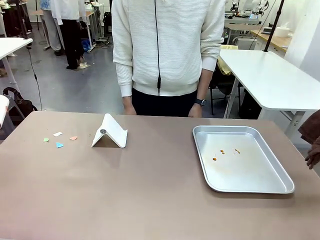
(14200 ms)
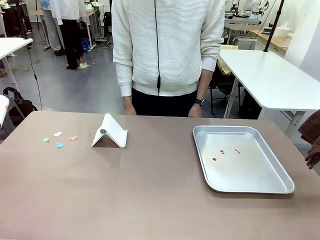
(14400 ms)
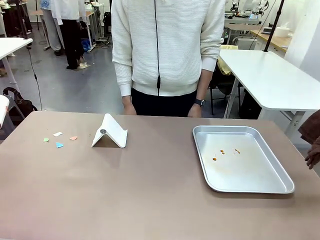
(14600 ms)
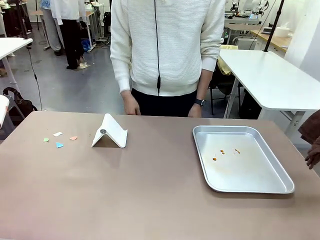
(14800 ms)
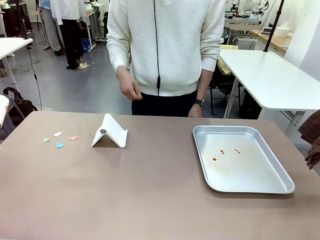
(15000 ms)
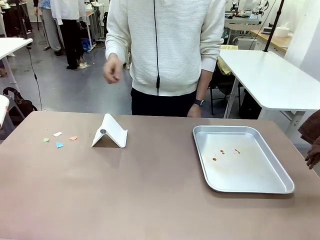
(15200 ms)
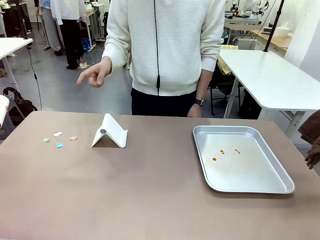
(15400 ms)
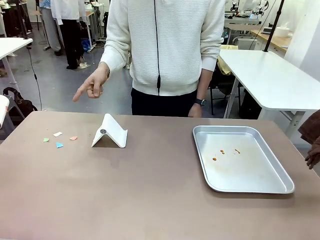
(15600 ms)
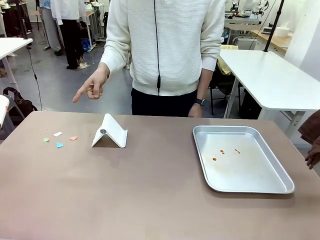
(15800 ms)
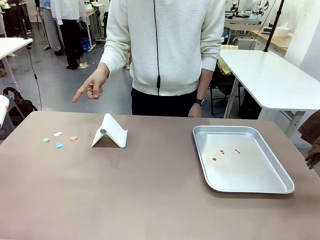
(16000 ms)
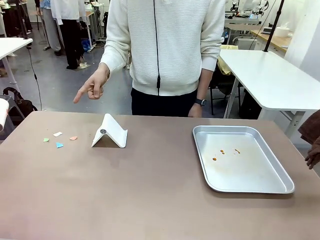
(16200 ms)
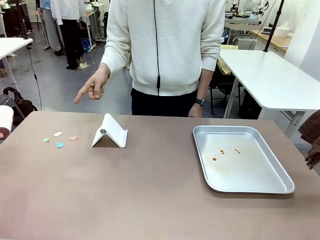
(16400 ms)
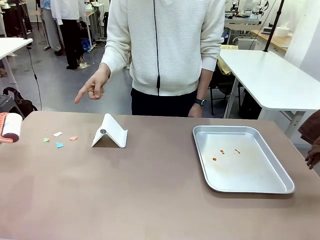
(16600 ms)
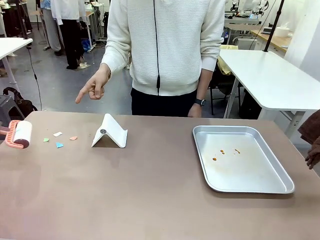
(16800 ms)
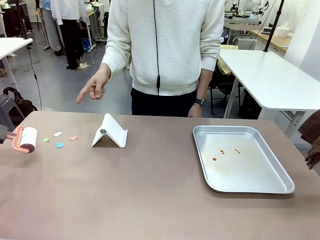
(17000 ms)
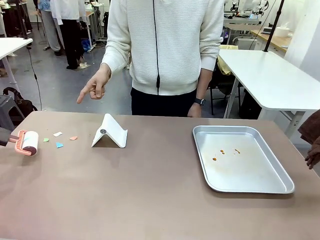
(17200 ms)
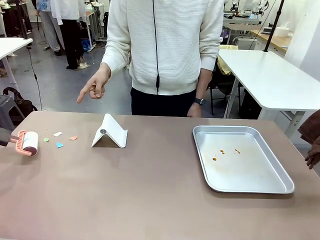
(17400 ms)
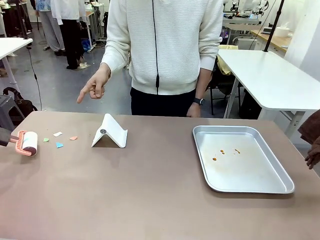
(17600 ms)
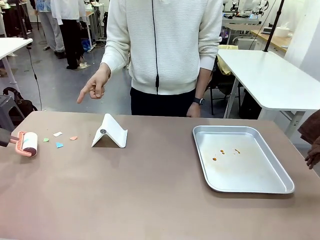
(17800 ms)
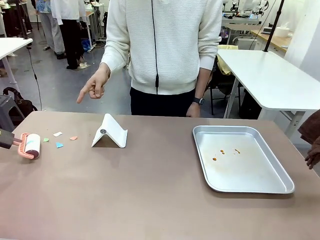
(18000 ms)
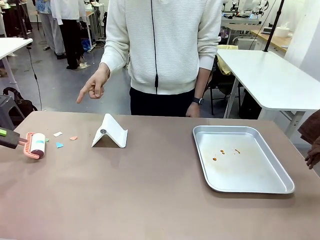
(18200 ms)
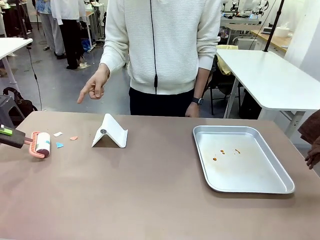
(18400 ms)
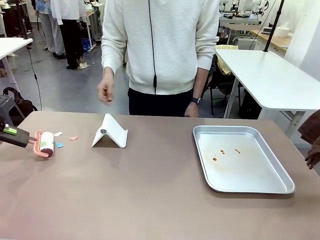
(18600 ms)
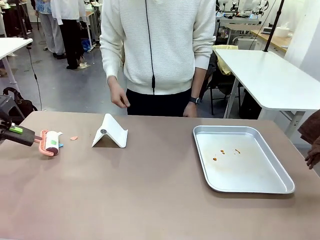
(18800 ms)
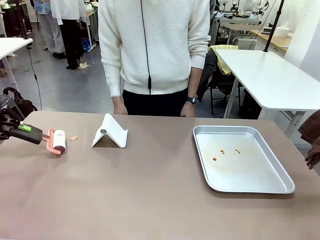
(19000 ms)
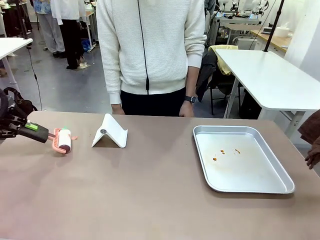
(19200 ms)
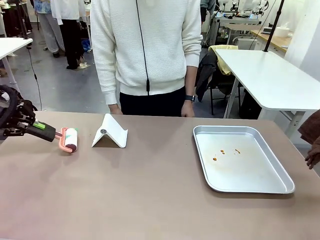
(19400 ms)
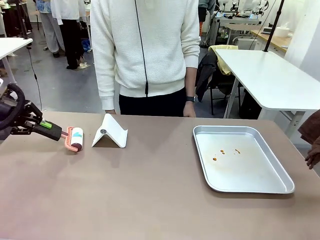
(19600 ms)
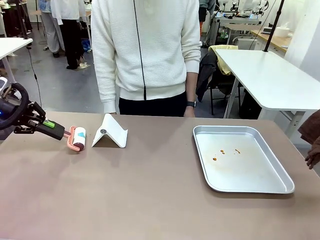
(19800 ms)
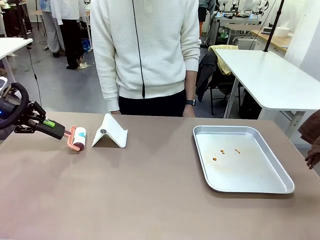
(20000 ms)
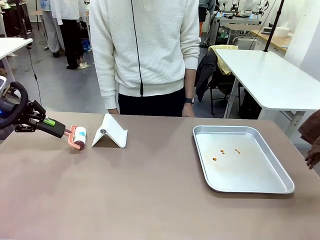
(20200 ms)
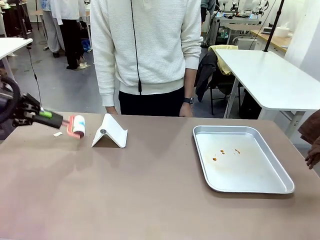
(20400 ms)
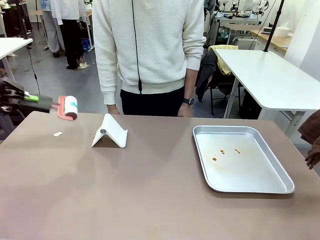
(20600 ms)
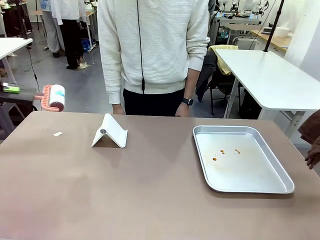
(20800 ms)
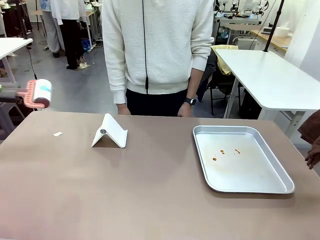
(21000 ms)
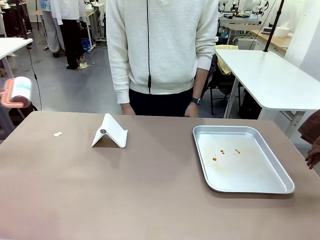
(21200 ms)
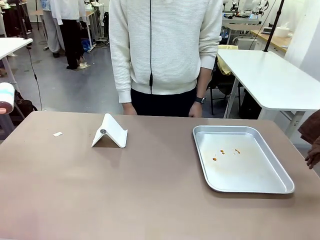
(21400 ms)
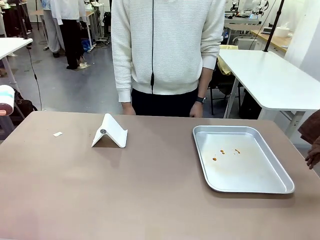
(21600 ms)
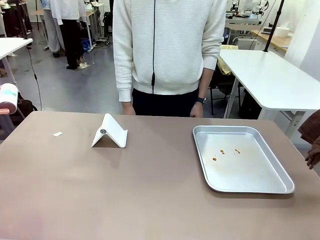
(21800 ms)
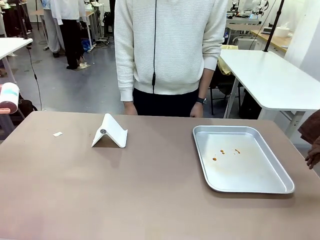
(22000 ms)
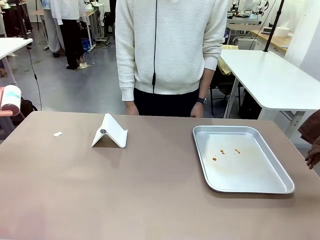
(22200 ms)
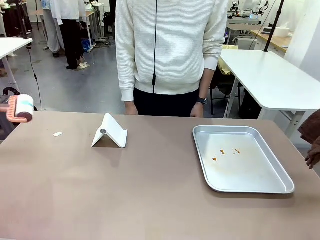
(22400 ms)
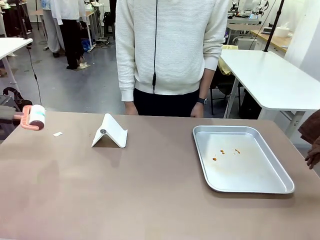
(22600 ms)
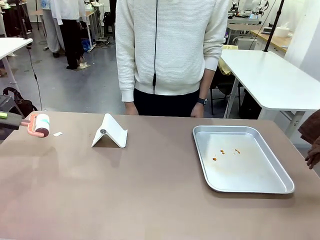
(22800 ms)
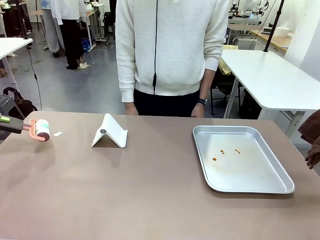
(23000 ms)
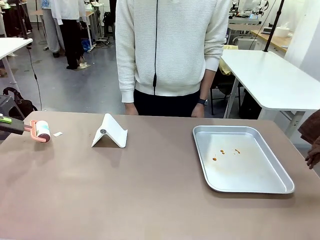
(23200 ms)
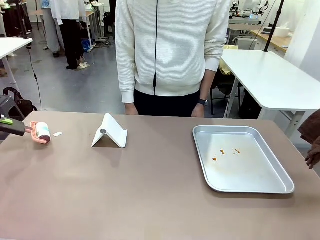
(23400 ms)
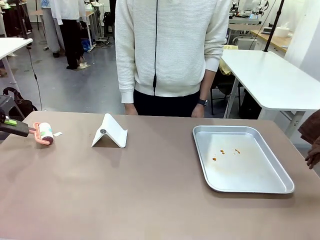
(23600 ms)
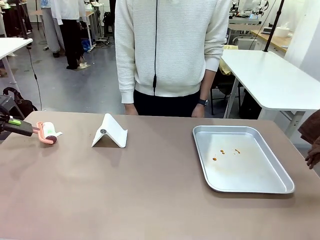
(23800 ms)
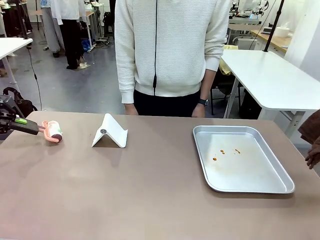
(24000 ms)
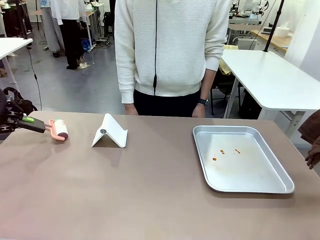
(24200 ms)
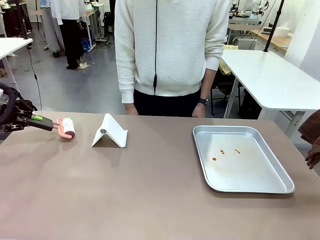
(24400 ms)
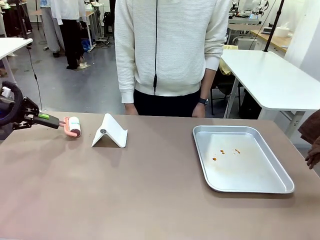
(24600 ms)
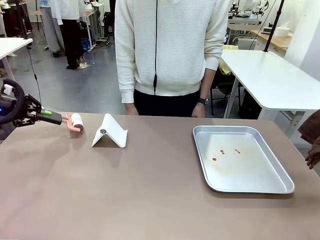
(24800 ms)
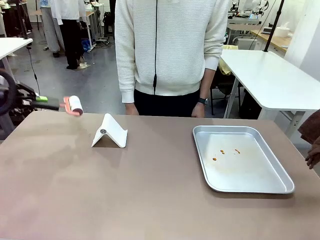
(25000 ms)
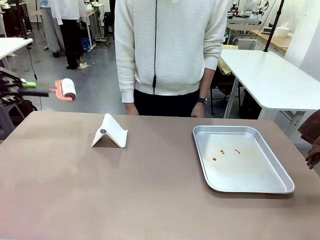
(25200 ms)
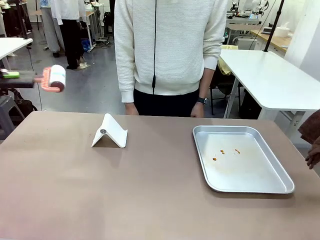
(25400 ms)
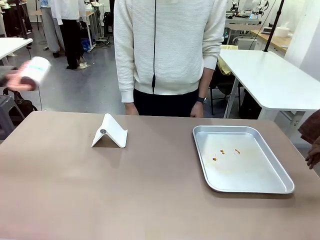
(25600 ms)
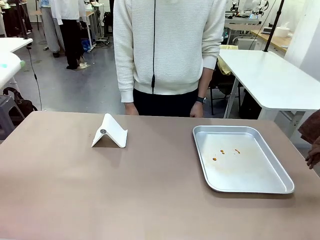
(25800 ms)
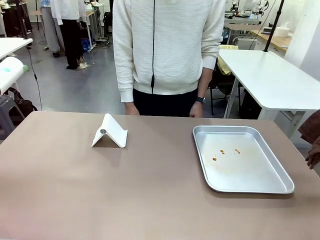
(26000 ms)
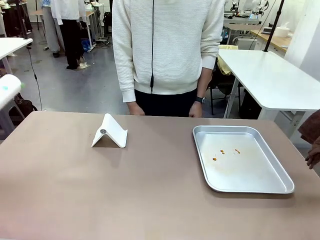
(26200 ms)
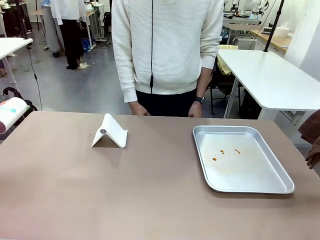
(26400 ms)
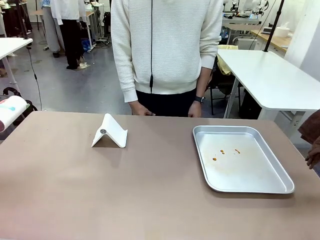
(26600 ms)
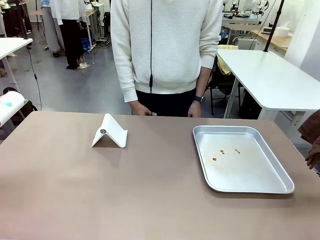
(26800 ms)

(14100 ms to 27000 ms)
Task: Clean the surface of the table.
Robot: If a person points to the right, clean the right side of the table with your right hand, and if they point to the left, clean the left side with your left hand.

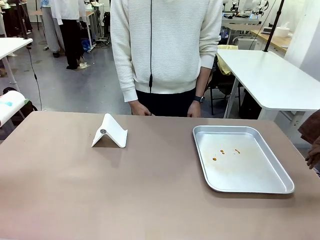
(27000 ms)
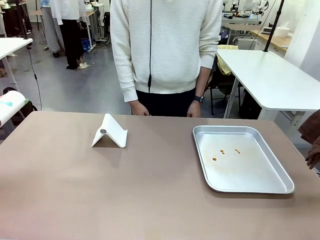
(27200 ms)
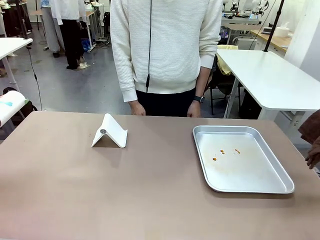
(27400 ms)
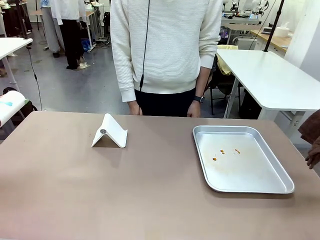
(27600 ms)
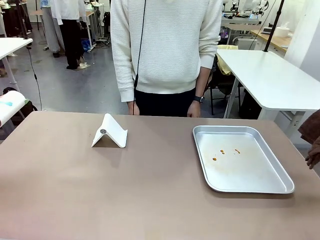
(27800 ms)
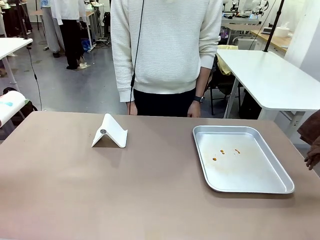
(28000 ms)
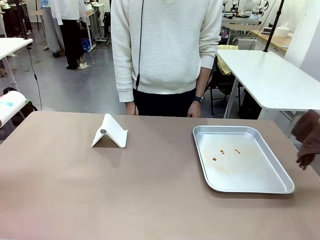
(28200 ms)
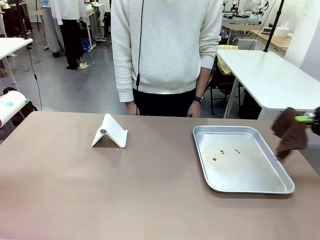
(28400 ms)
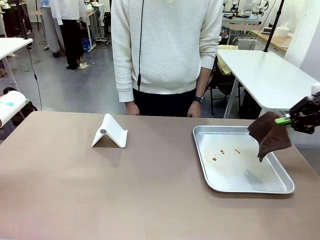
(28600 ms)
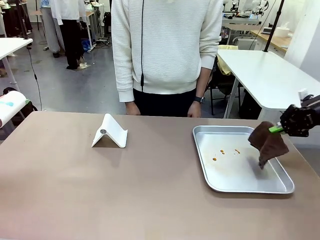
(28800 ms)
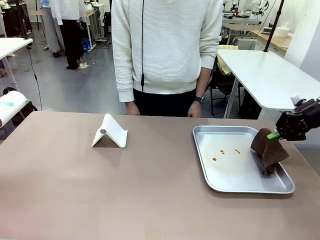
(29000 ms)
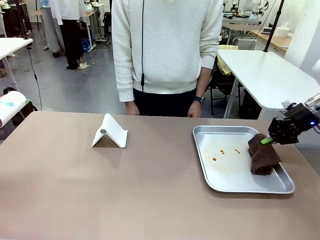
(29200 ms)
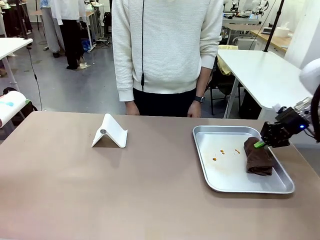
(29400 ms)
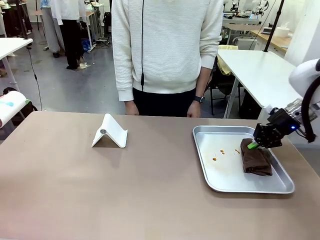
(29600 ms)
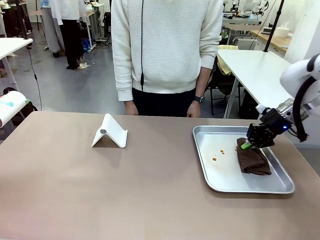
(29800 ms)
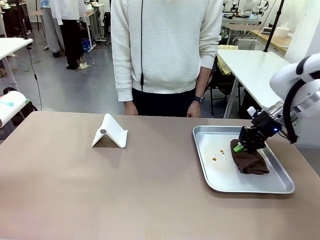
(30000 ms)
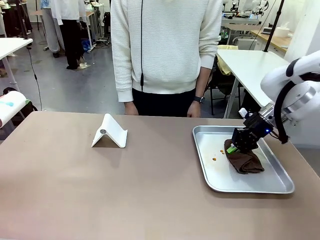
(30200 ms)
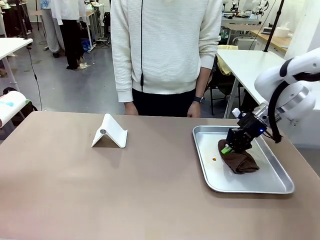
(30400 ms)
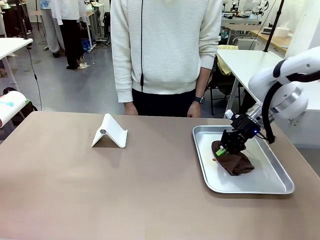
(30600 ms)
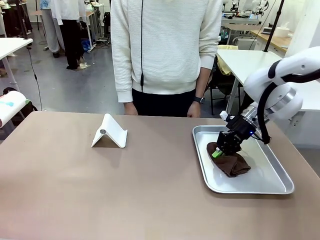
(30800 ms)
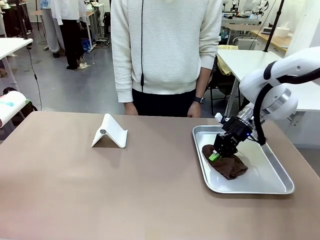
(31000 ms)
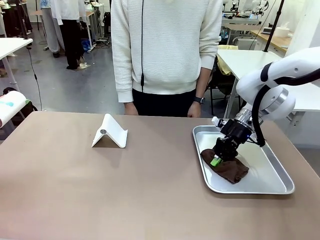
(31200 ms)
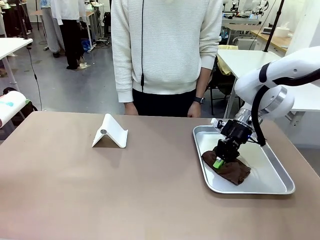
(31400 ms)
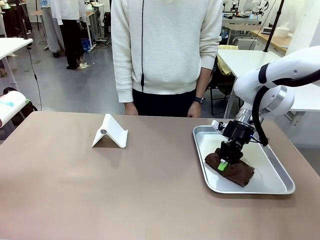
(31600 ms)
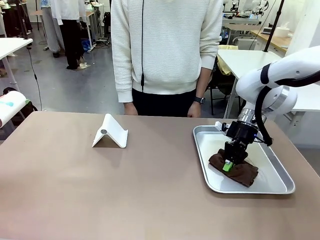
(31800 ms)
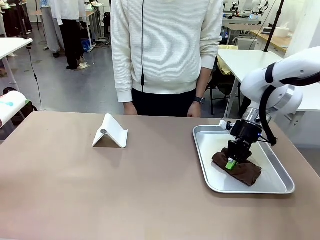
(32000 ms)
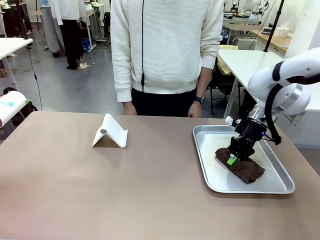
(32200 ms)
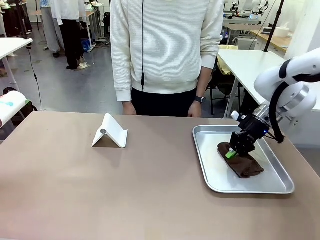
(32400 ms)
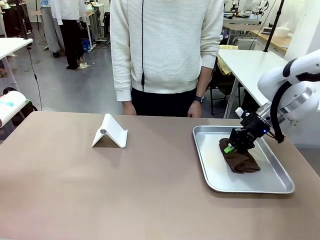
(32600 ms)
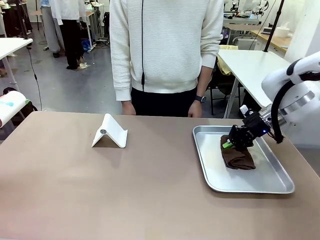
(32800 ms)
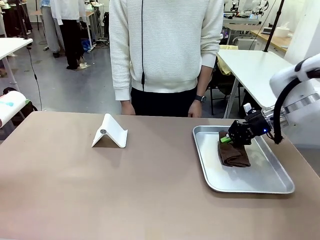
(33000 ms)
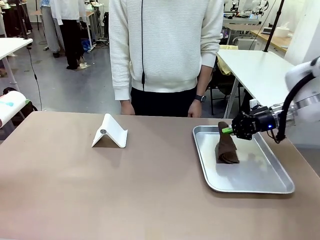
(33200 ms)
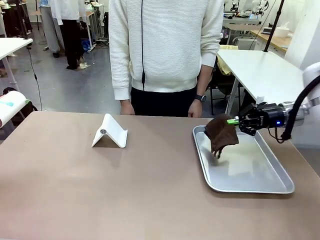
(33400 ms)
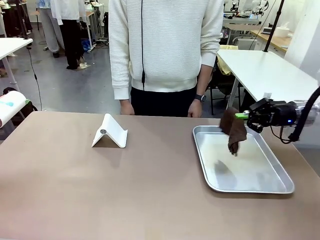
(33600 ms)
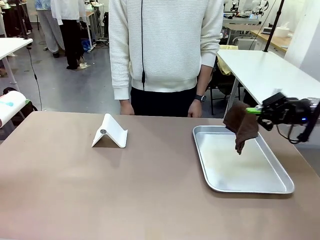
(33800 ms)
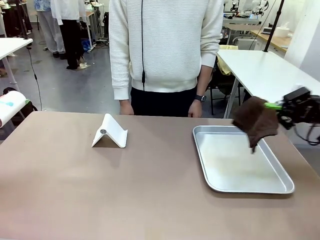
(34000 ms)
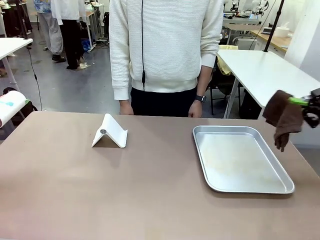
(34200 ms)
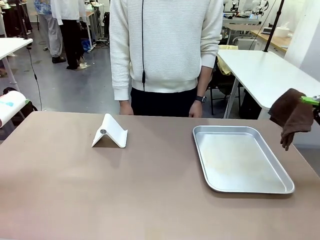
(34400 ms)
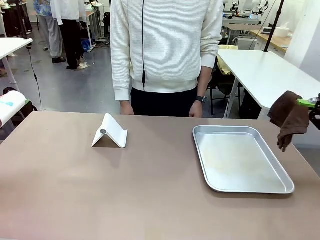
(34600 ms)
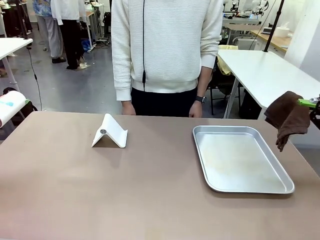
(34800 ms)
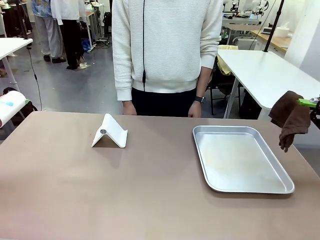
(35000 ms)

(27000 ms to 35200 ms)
Robot: Clean the area not pointed to by the person.
